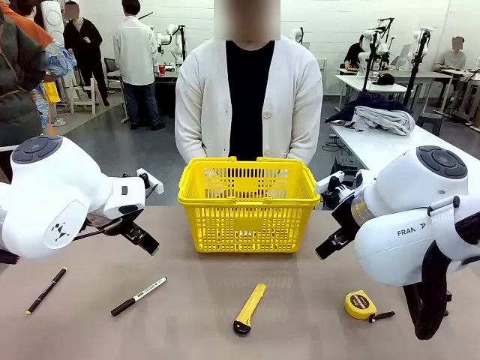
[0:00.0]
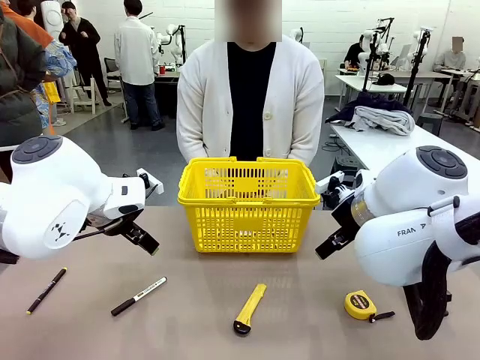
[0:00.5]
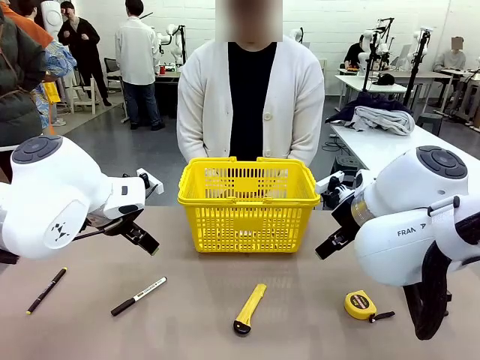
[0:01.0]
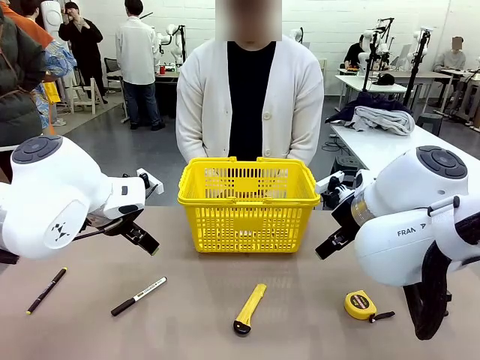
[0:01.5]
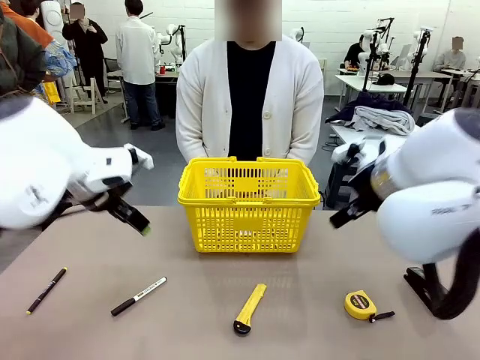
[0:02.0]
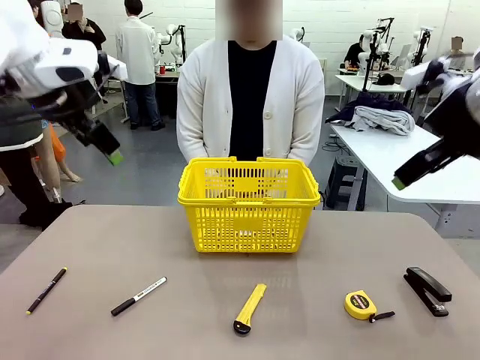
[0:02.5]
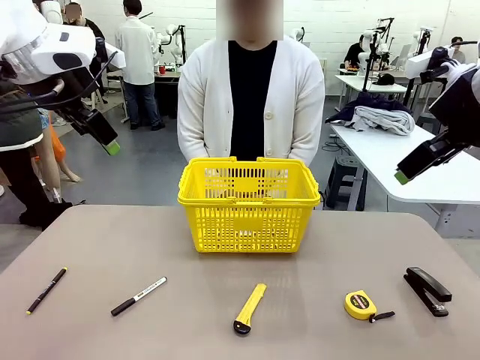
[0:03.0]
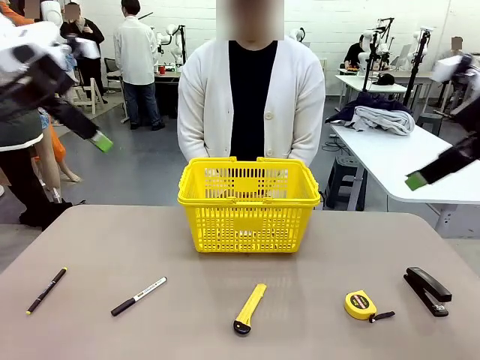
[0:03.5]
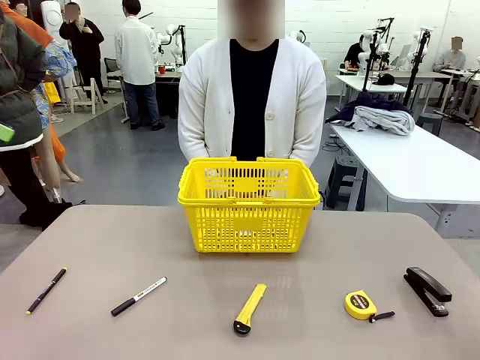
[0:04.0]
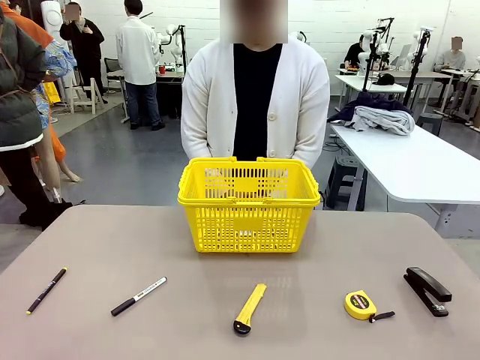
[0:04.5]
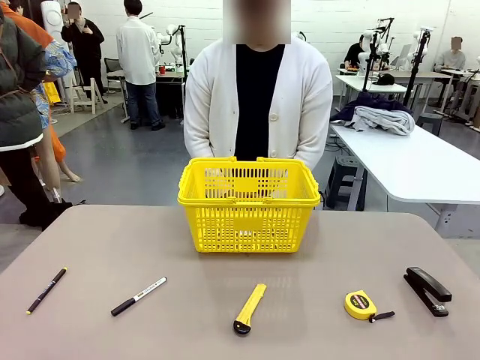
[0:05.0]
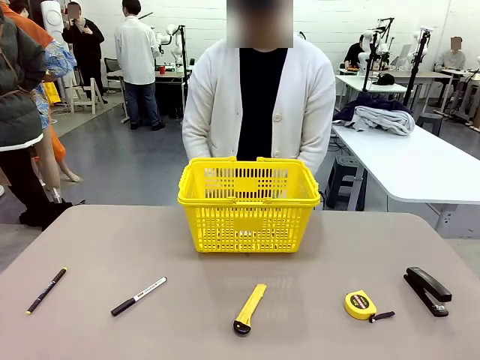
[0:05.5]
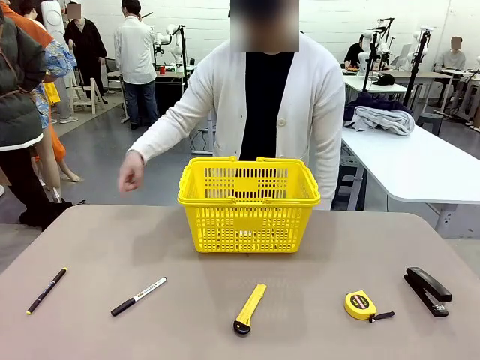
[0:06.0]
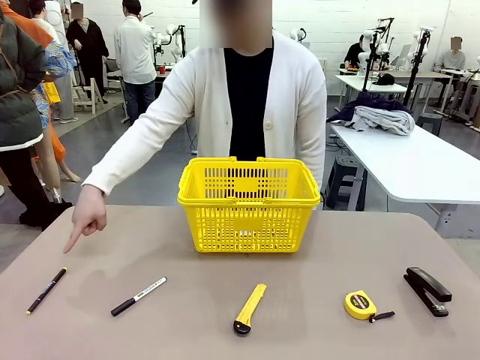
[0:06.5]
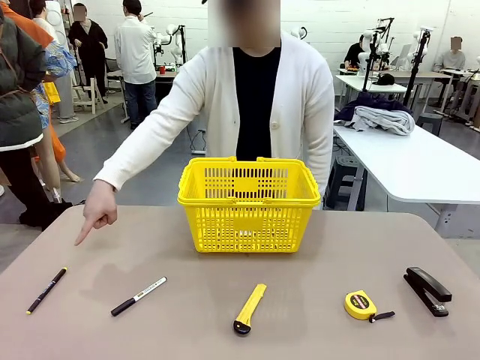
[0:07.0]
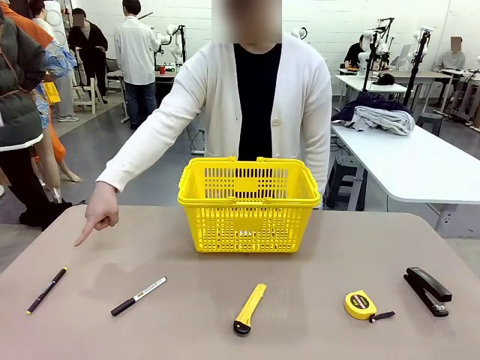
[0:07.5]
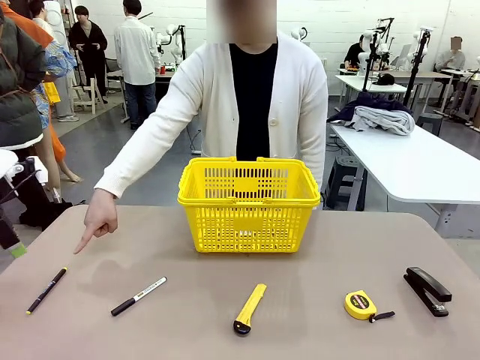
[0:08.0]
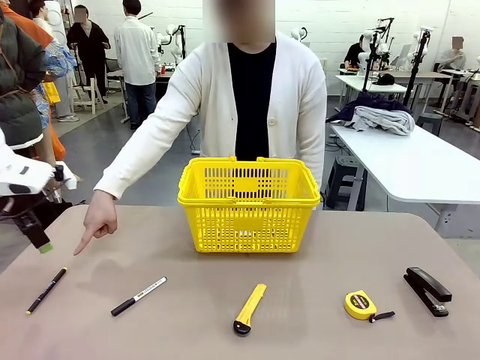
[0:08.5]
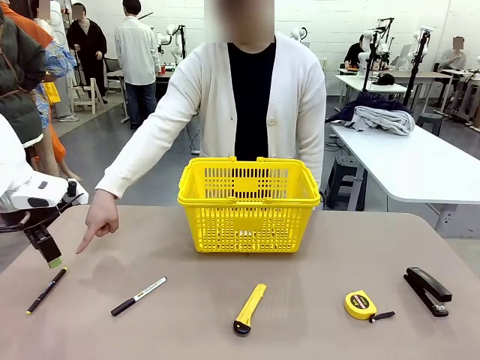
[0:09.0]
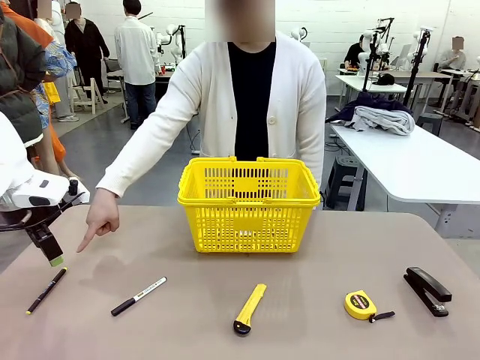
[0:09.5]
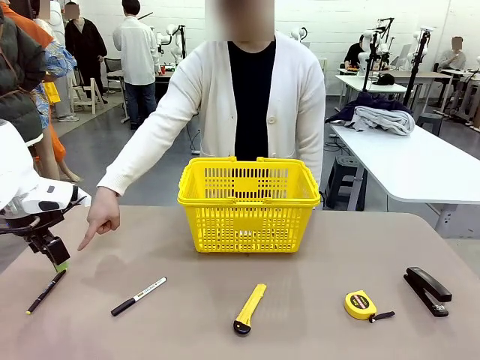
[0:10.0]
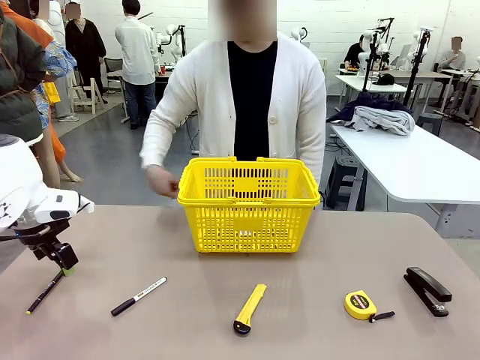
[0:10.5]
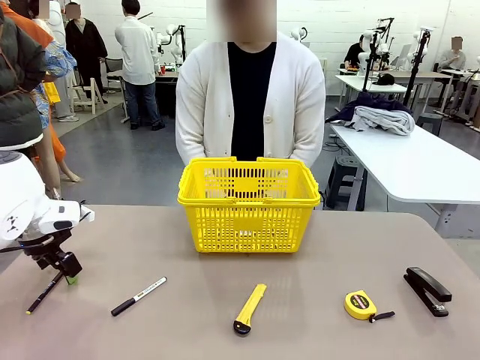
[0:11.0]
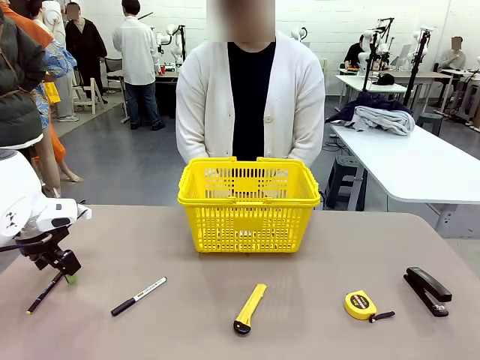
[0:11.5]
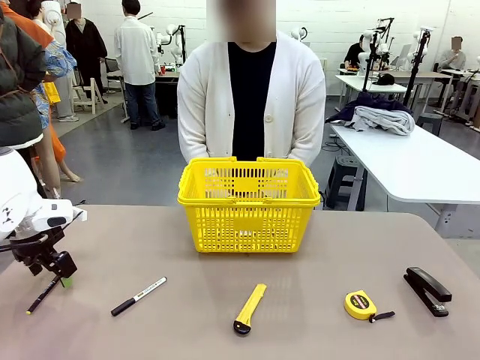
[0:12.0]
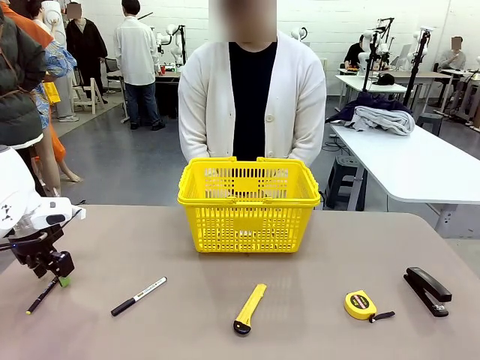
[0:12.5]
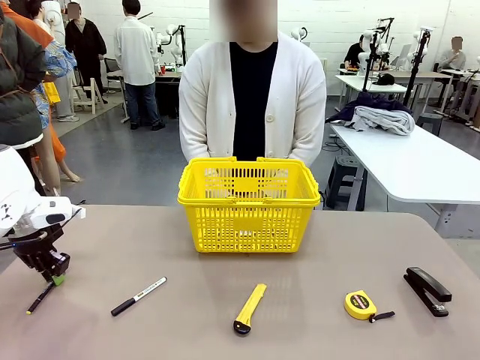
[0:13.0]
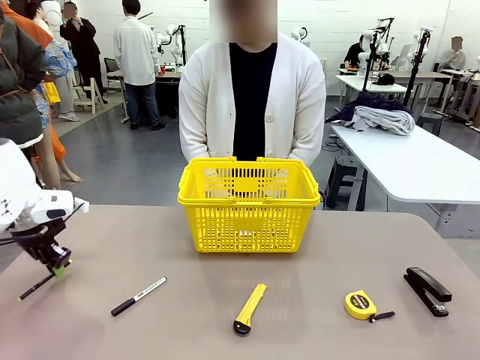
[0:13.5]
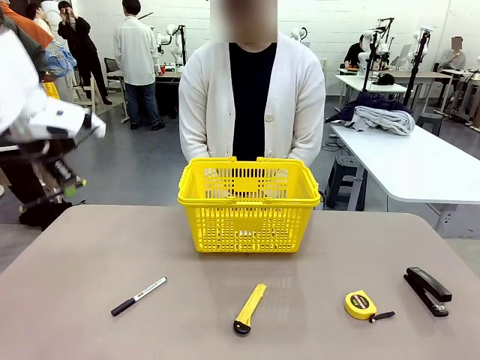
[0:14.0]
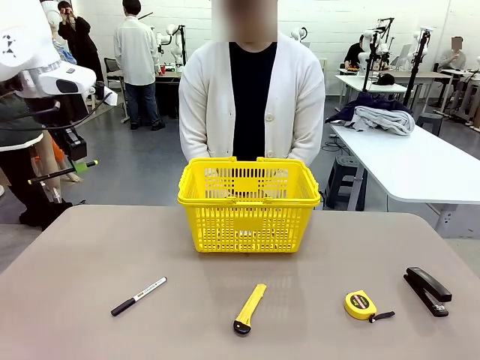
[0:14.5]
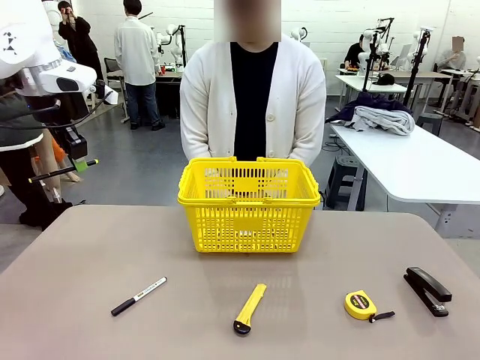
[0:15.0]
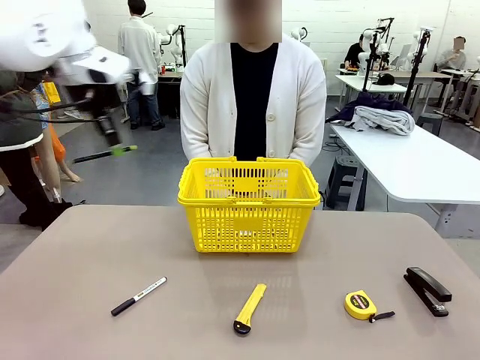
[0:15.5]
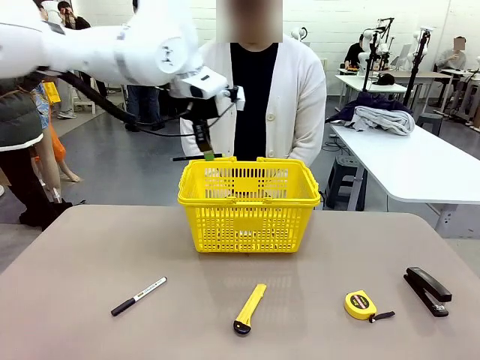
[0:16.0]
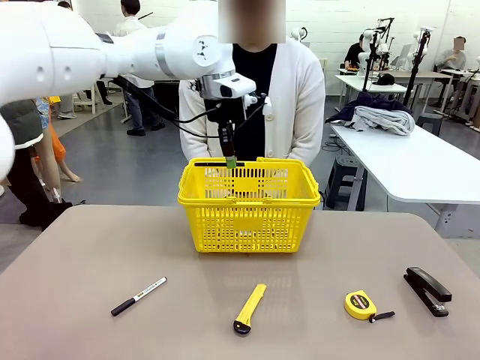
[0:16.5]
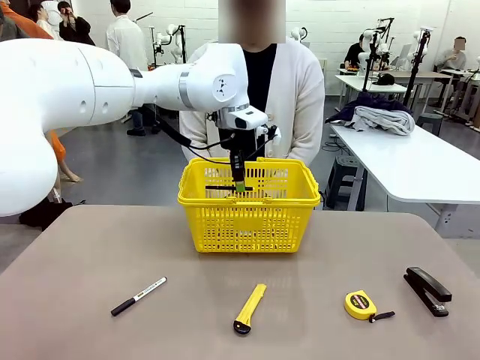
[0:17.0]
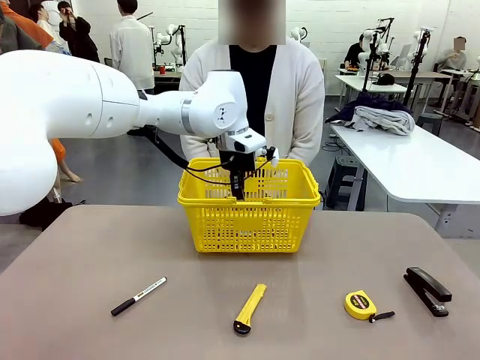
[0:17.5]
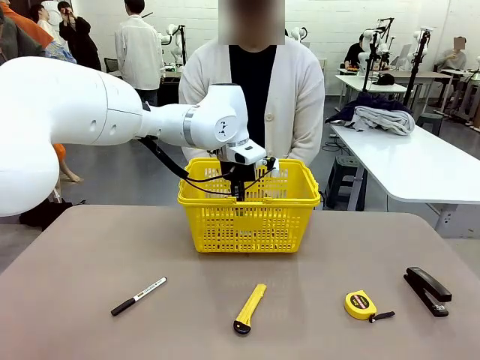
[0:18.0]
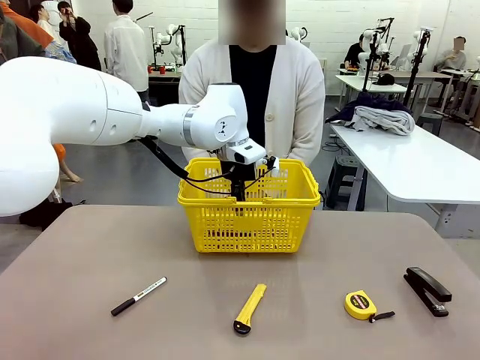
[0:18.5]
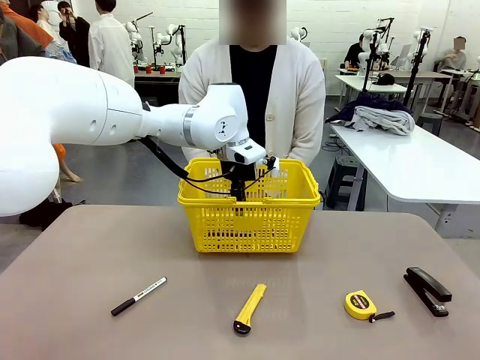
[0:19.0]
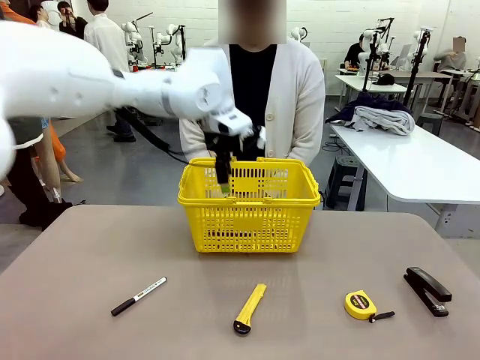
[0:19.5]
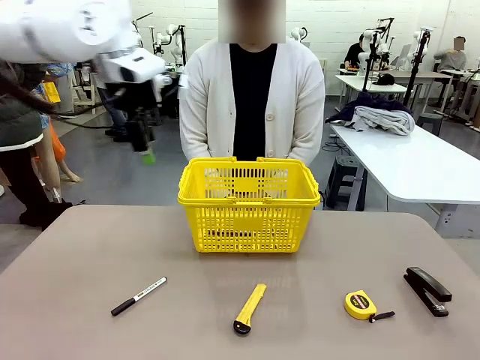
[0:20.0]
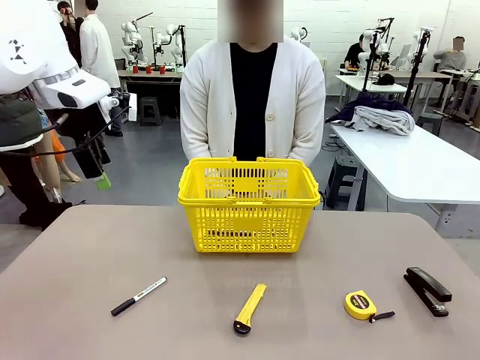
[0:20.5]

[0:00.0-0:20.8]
Task: Place the items the person wants into the basket.
Robot: Pick up the item the person points to and place it in the Market Basket.
